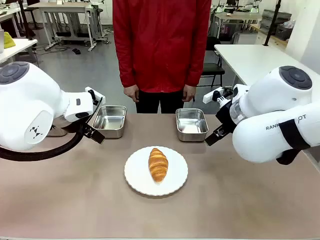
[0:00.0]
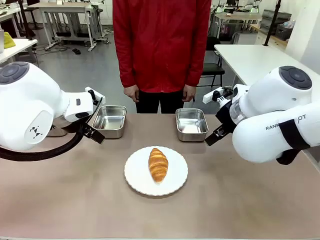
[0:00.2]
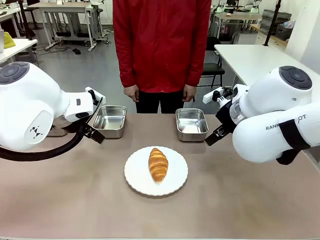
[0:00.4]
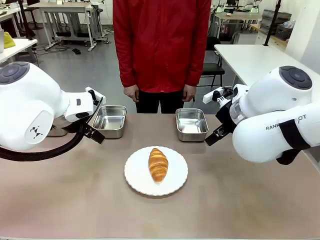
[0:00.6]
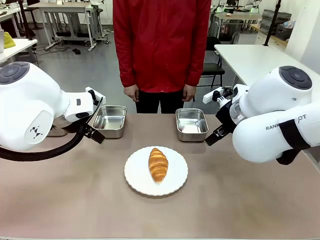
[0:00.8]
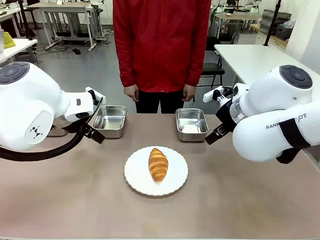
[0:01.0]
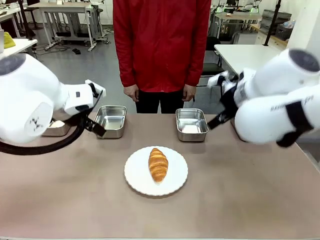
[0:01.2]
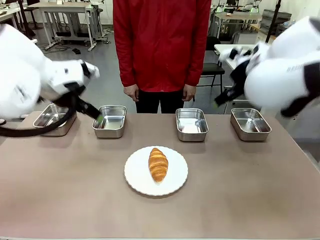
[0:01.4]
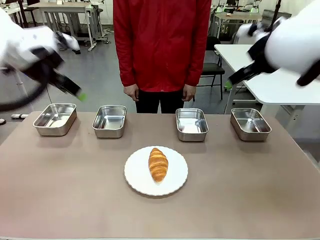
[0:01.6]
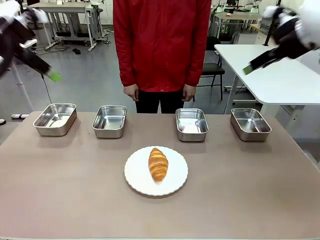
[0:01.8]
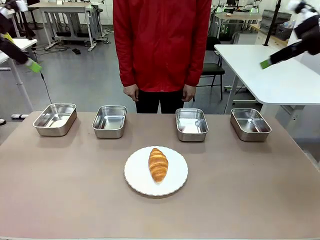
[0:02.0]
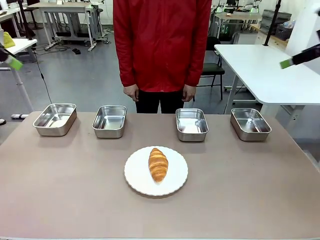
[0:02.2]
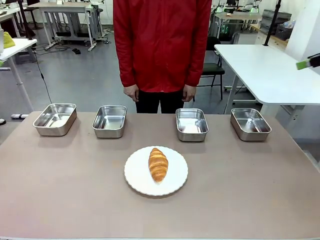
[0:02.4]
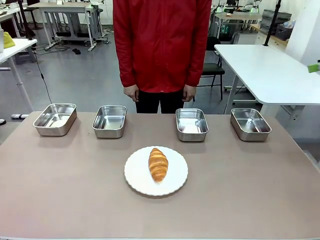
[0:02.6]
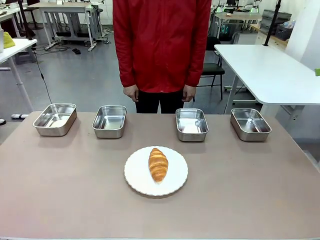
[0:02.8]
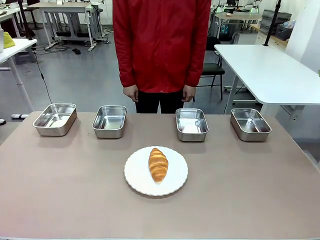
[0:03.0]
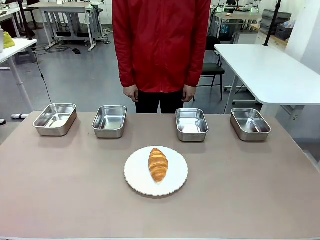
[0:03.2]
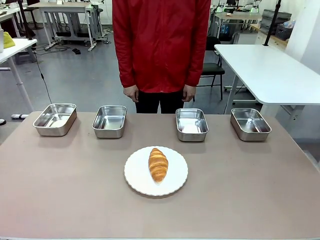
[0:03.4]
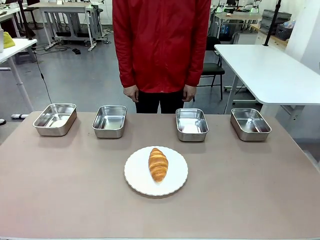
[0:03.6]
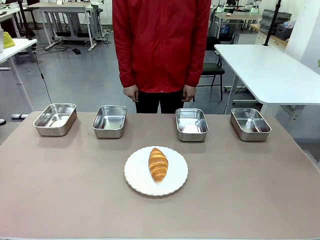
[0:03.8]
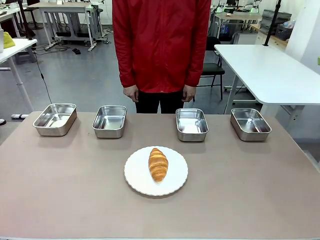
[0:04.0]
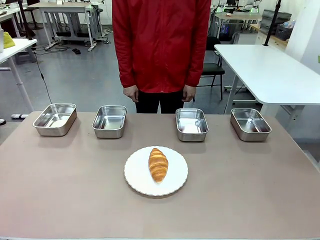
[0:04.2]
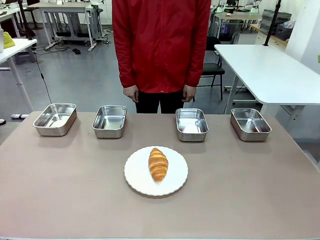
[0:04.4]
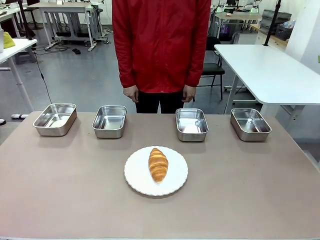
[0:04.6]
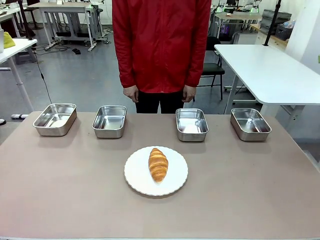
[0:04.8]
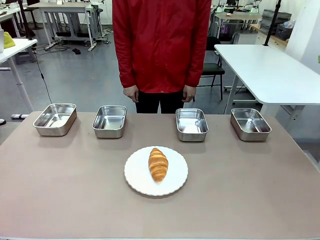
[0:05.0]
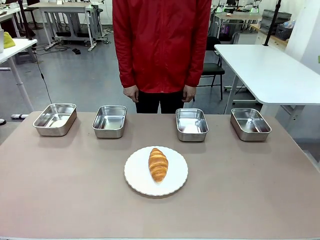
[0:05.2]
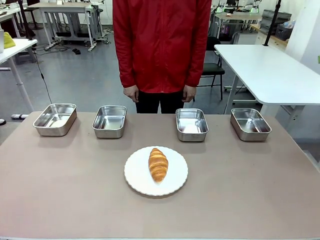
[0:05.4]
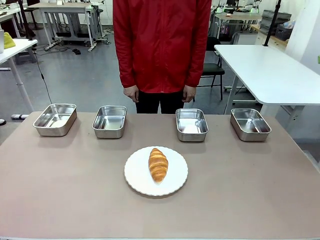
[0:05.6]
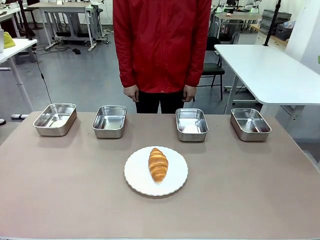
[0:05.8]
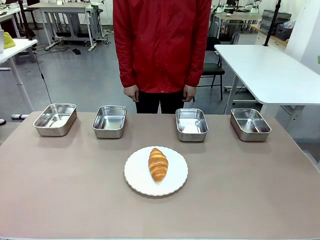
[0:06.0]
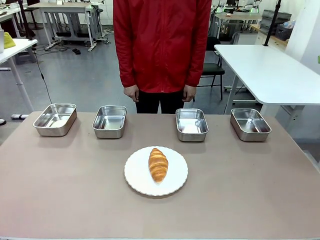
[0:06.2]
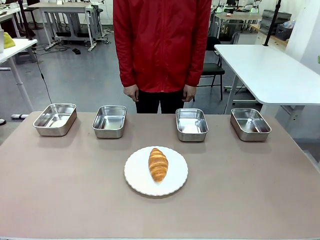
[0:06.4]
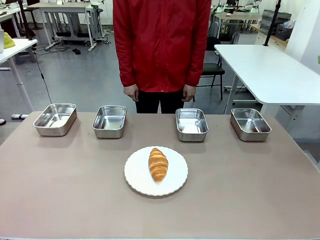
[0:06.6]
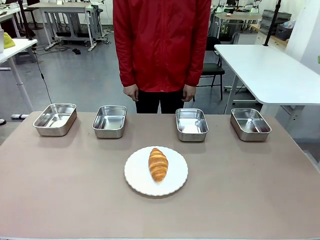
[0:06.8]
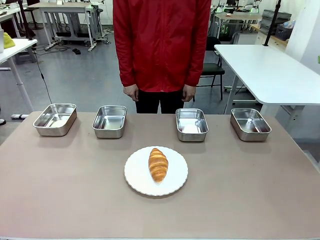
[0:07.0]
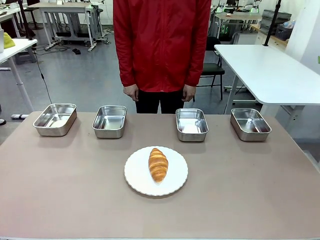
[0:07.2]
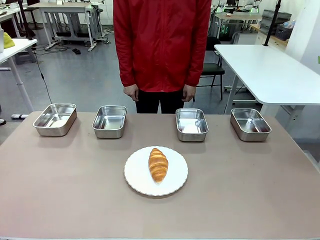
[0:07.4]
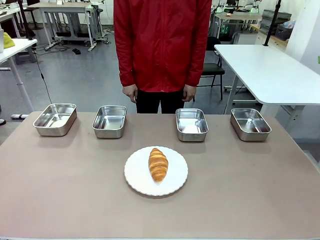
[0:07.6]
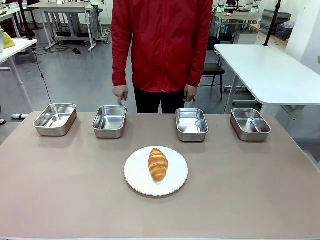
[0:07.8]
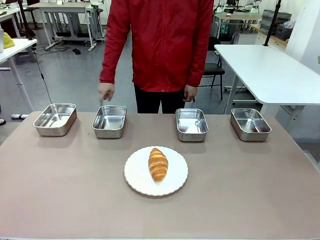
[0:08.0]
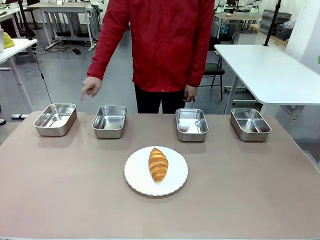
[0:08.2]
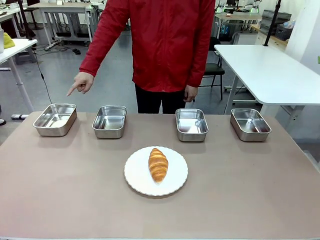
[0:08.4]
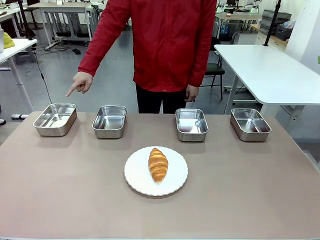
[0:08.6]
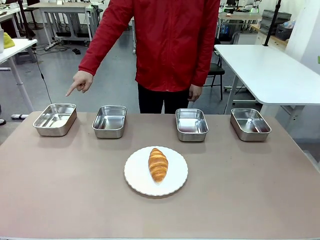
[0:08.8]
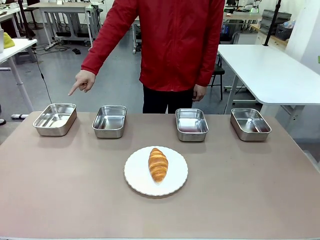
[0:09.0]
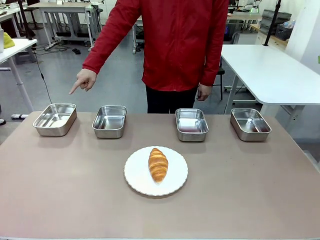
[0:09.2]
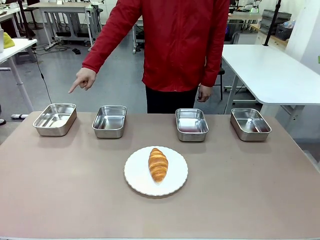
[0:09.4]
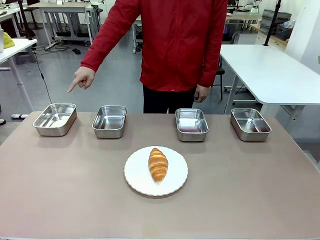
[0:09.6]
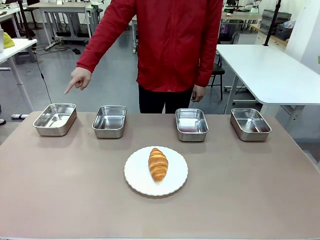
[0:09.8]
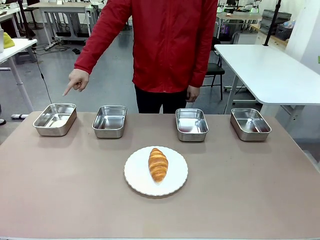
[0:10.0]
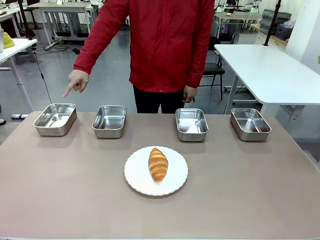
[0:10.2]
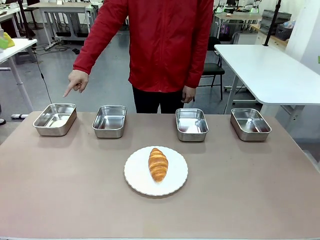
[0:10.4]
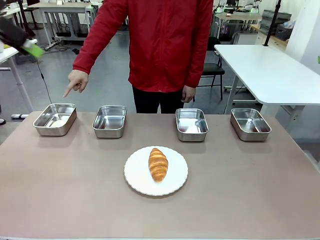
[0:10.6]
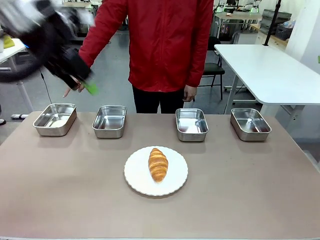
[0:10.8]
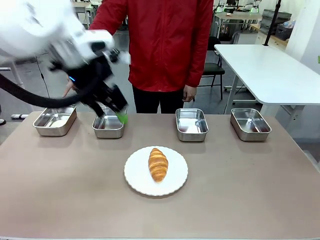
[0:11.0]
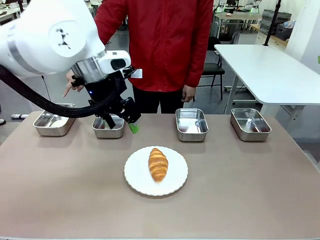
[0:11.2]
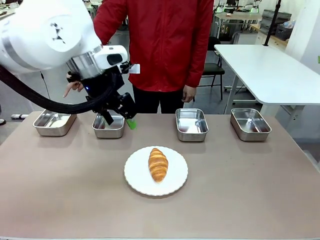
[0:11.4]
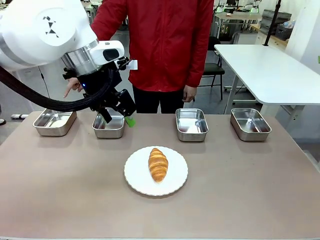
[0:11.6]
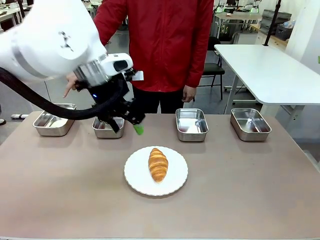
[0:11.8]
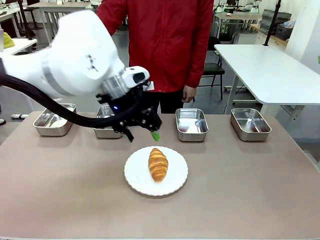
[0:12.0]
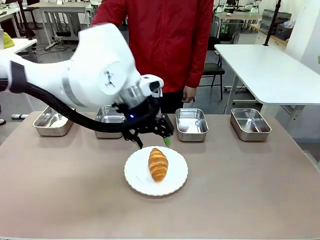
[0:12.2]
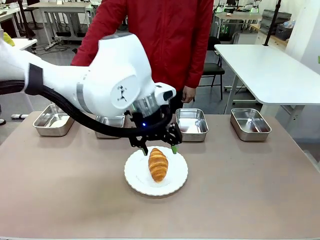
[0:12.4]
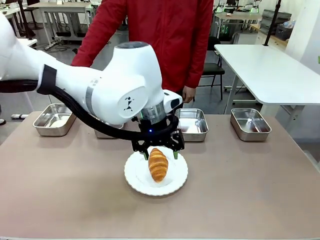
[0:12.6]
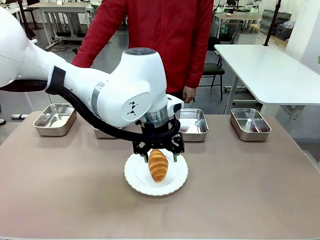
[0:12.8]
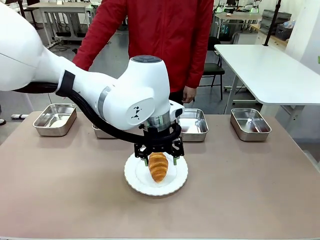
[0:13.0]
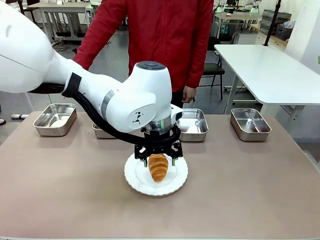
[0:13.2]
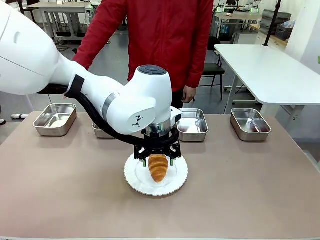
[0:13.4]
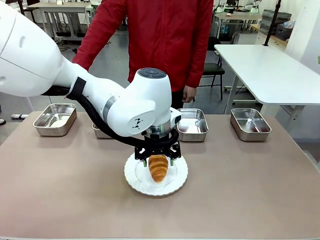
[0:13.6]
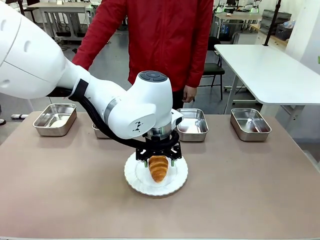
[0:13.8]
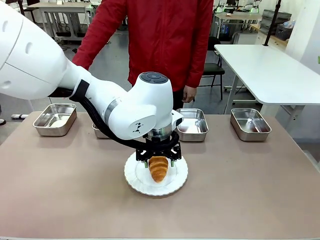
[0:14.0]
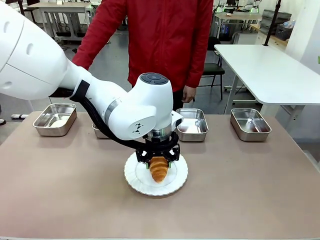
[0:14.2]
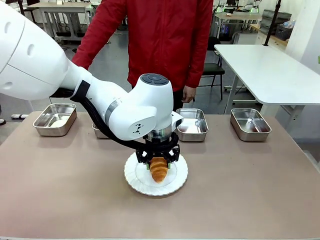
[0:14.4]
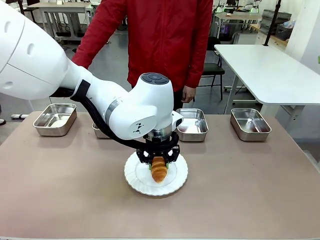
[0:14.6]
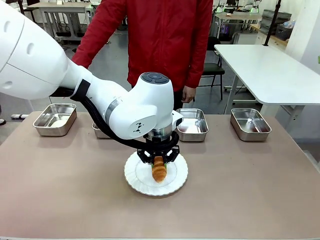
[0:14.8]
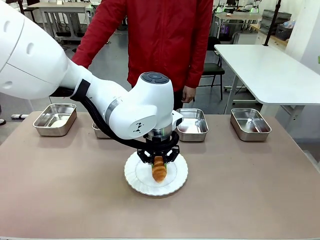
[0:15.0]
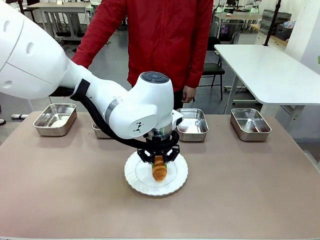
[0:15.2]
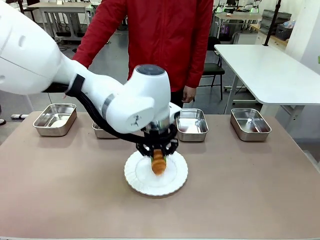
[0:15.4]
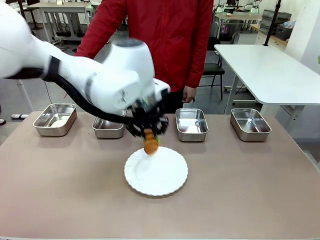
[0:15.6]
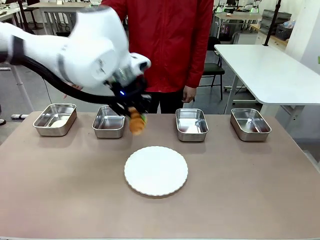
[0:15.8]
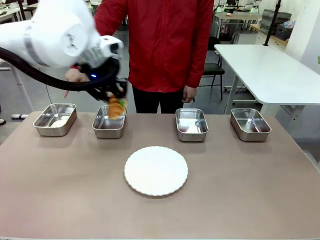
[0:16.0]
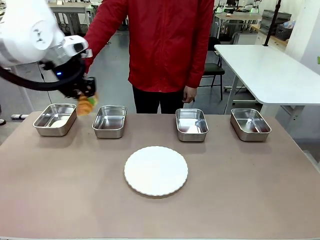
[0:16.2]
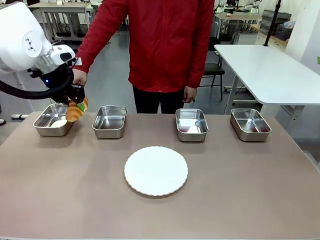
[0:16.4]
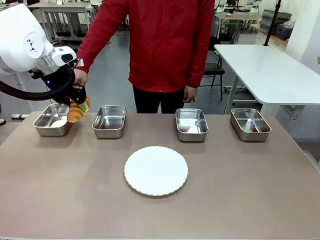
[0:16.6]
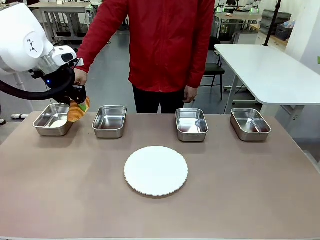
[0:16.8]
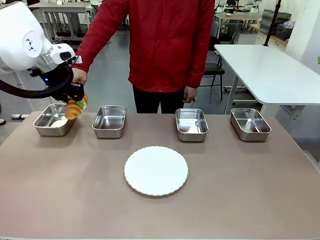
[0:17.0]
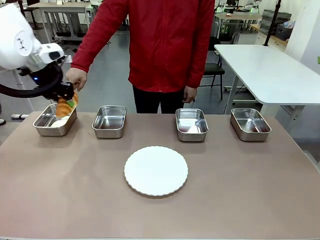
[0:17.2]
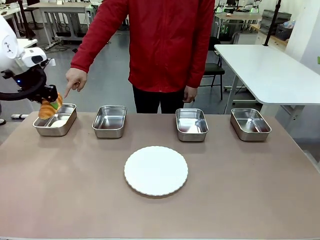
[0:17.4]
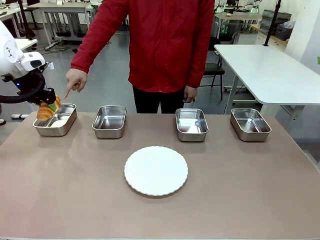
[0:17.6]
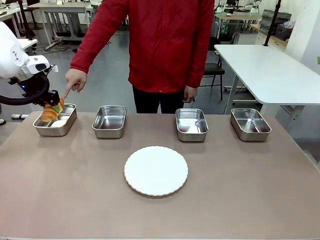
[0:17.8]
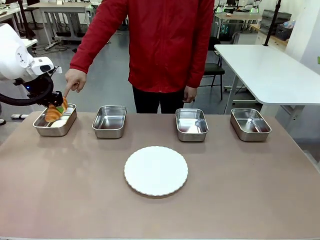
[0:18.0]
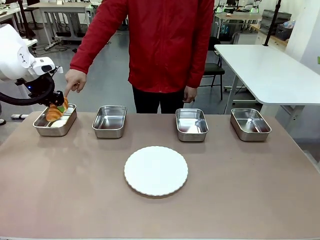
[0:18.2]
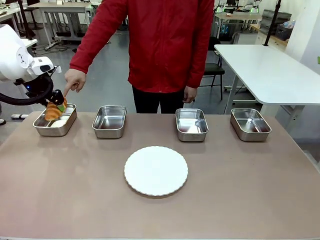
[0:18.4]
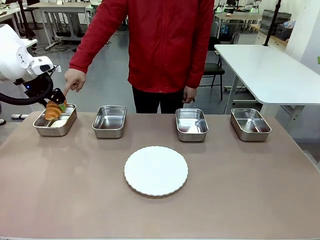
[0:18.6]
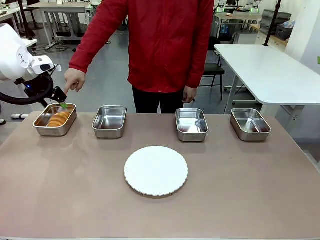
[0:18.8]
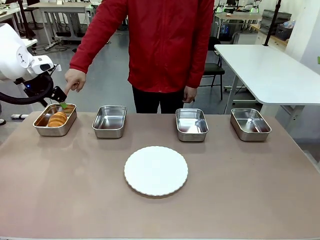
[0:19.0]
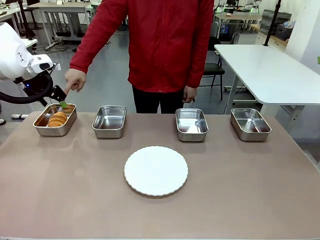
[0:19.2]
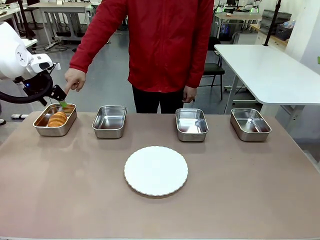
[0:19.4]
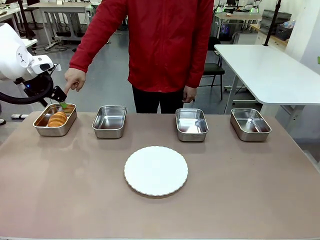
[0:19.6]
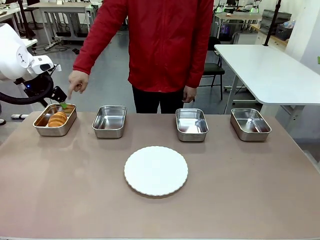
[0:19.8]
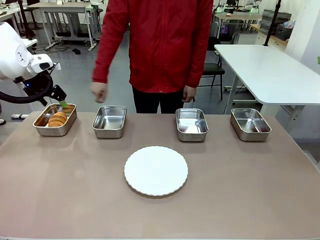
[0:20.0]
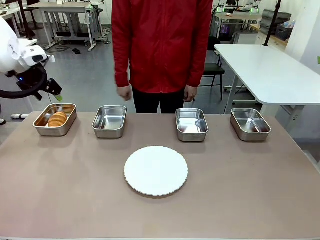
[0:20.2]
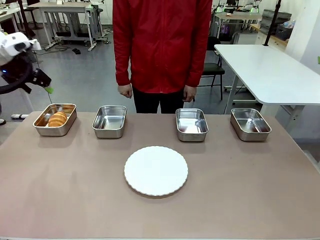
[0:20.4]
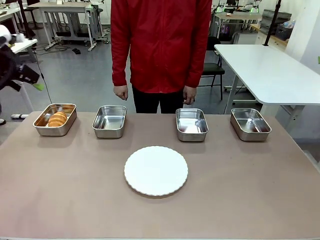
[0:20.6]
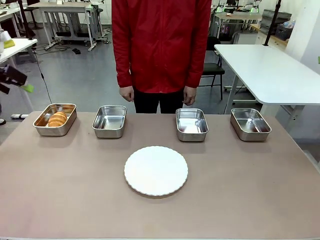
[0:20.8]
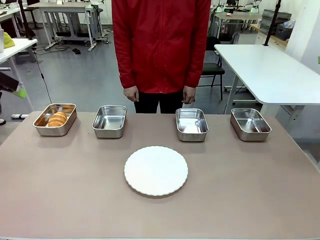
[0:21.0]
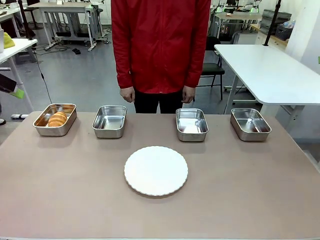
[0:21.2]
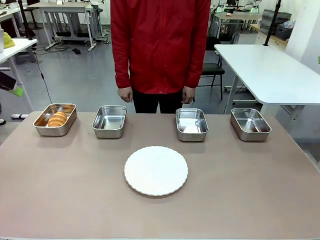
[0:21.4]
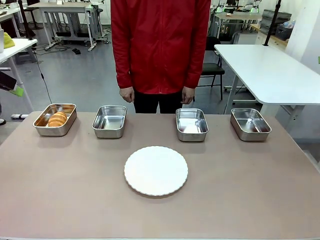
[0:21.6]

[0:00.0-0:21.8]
Task: Place the bread in the container.
Robot: Place the Butter Roll into the Airtight Container indicated by the human.
Person: A person randomly selects and points to an Airtight Container.
